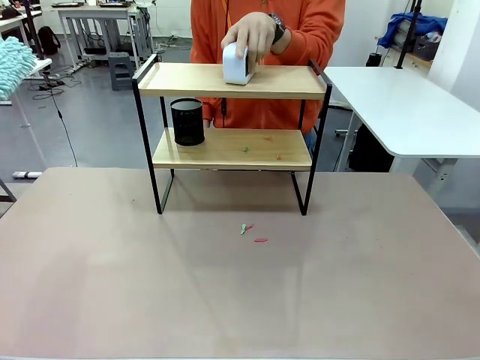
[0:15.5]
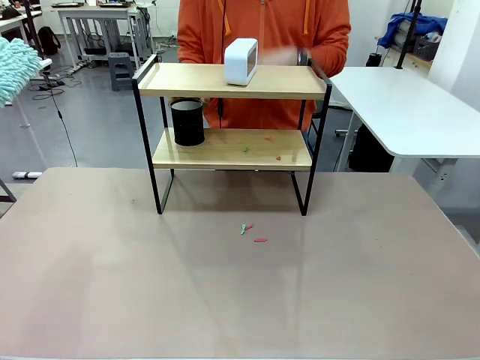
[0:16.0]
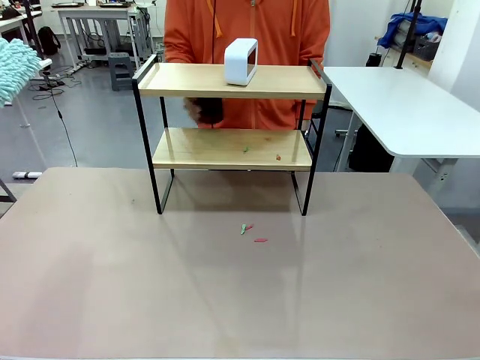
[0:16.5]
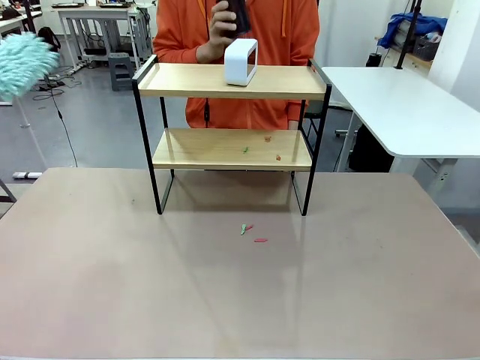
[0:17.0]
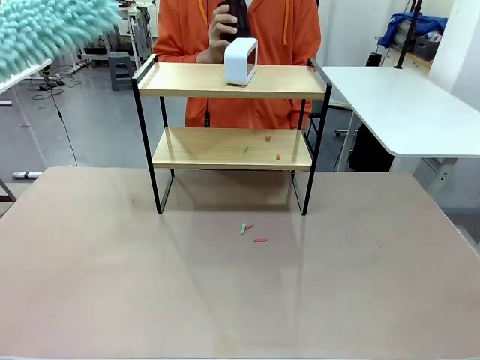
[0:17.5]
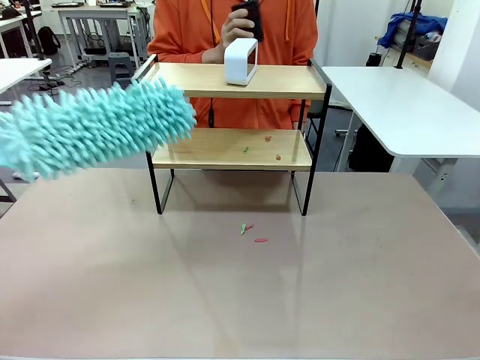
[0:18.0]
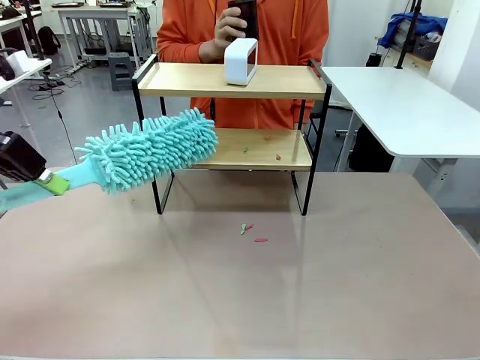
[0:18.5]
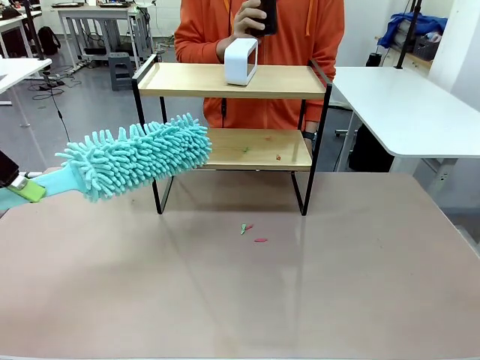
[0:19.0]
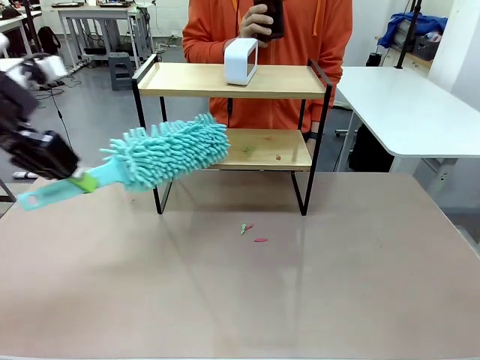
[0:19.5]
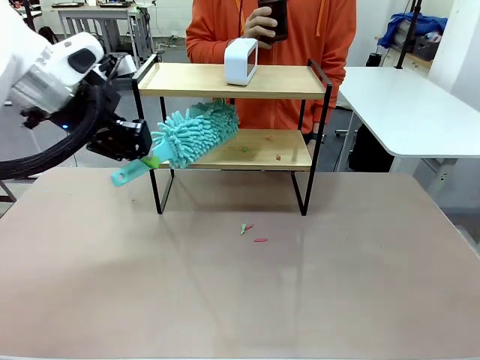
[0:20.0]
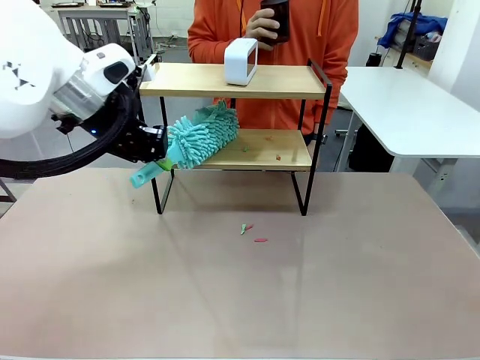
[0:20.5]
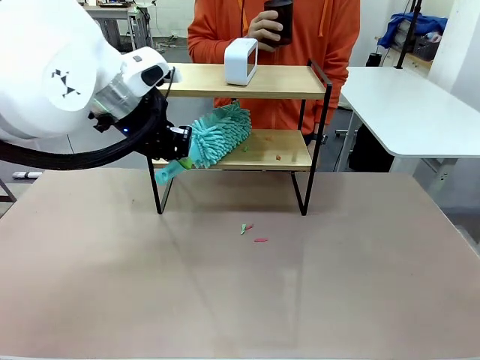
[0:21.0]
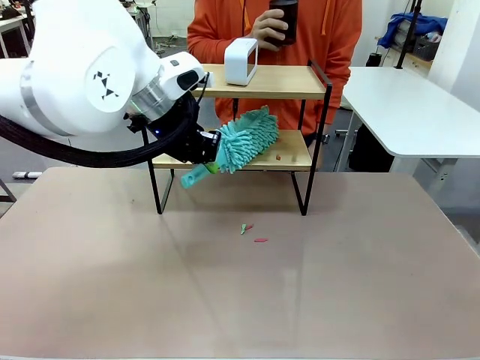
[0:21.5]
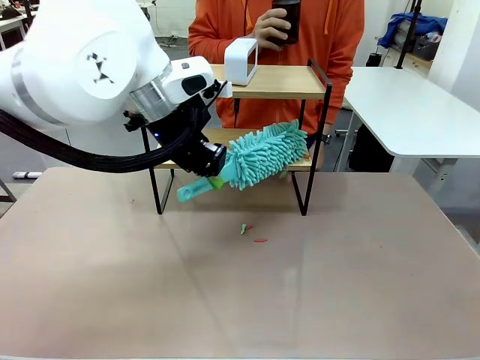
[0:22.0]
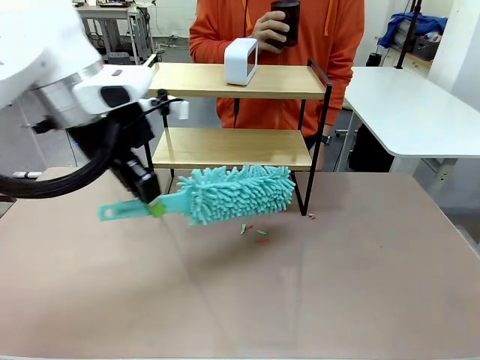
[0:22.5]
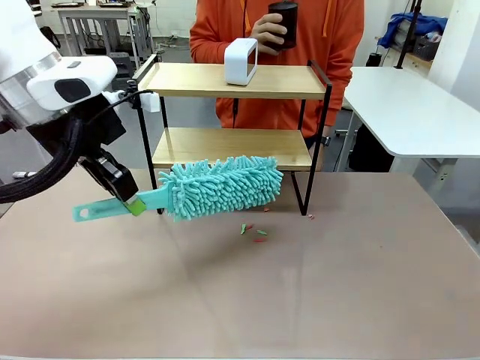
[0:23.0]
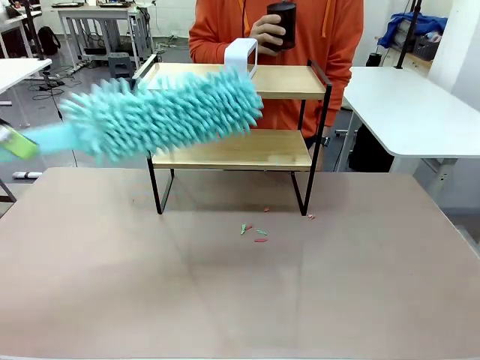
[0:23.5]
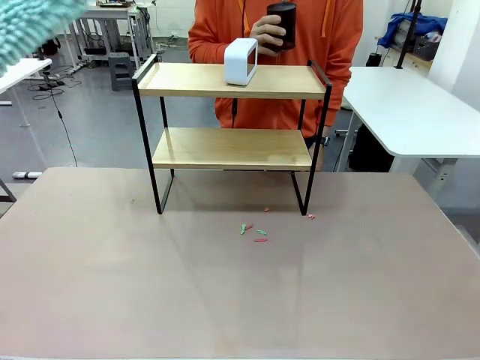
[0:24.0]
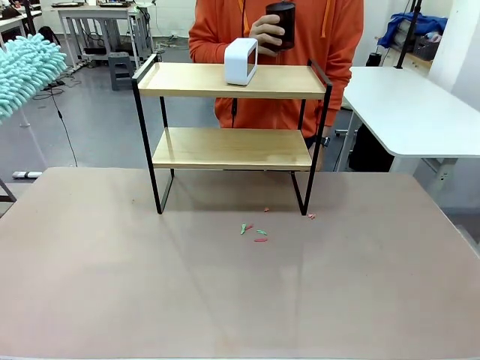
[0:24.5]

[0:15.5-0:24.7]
Task: Clean the shelf.
Robot: Clean the remaining tier of the Shelf with the Duster once objects are removed.

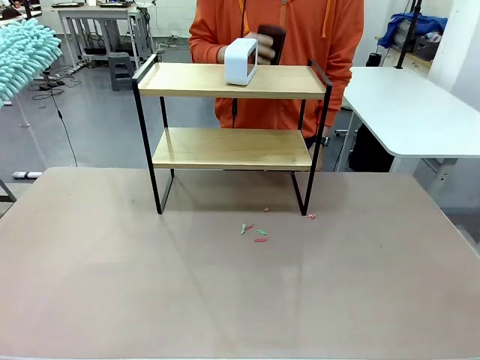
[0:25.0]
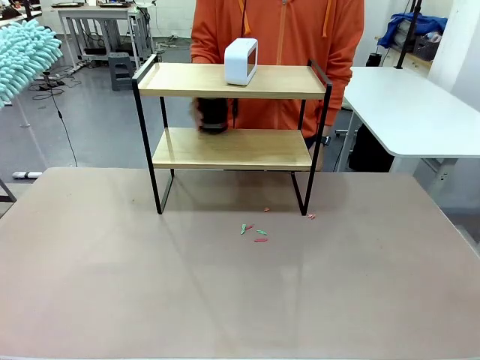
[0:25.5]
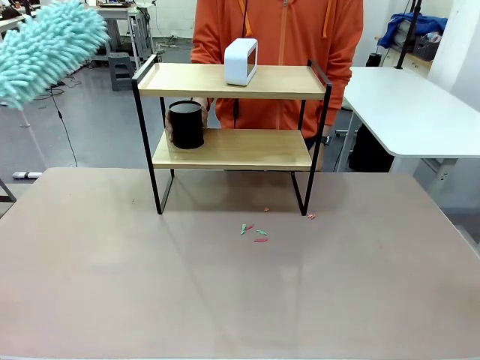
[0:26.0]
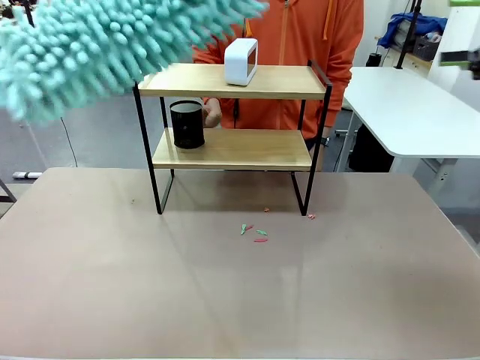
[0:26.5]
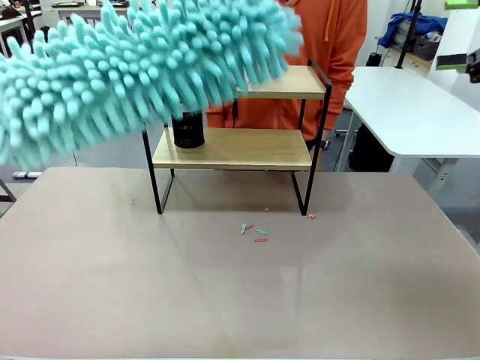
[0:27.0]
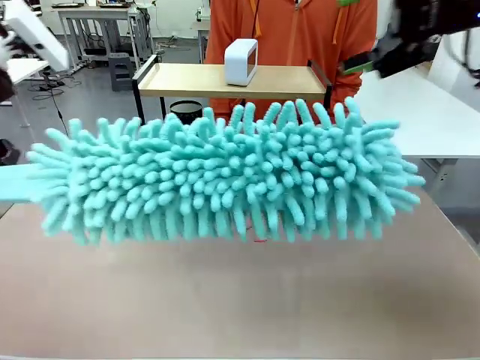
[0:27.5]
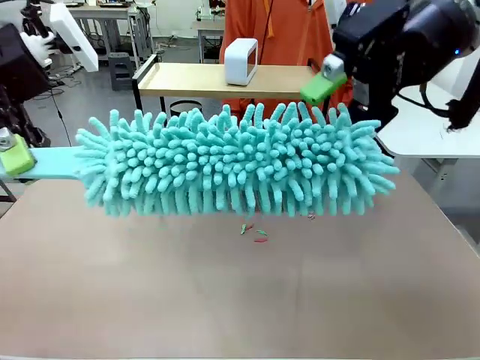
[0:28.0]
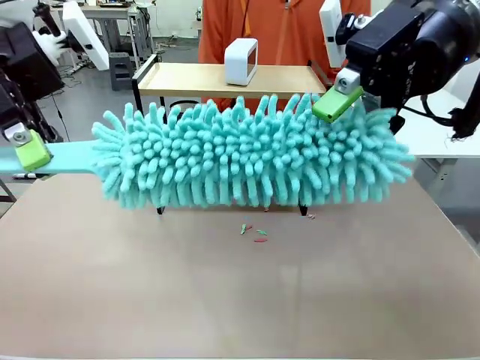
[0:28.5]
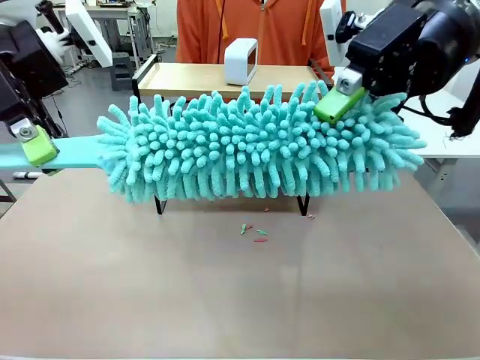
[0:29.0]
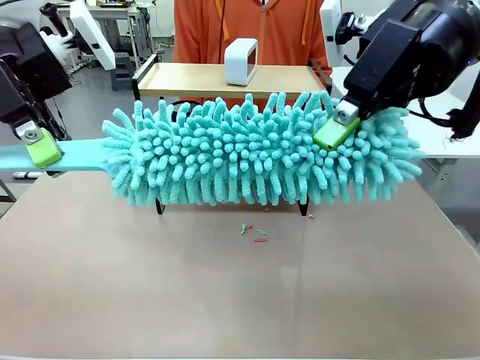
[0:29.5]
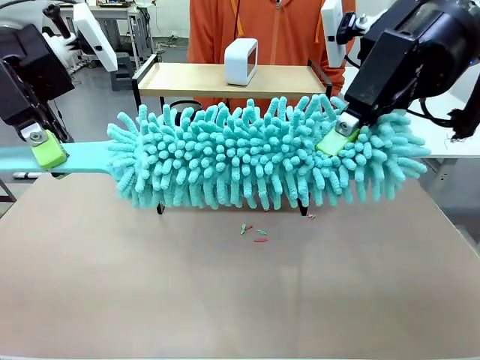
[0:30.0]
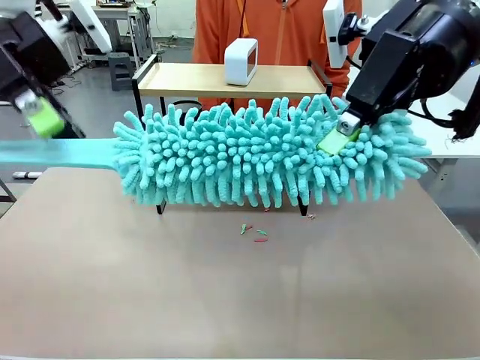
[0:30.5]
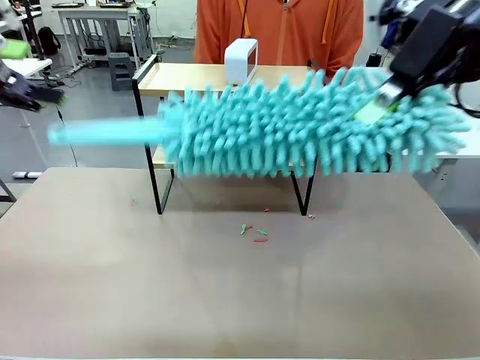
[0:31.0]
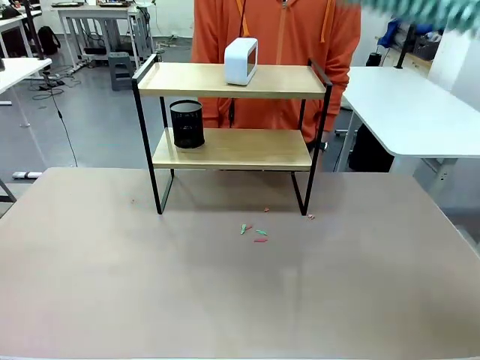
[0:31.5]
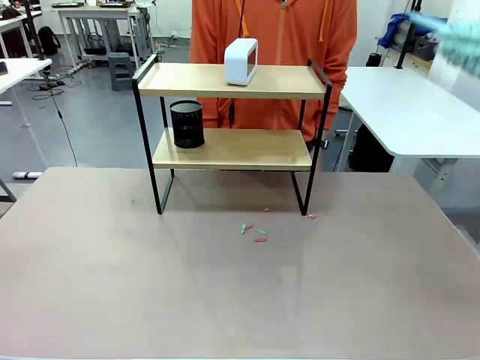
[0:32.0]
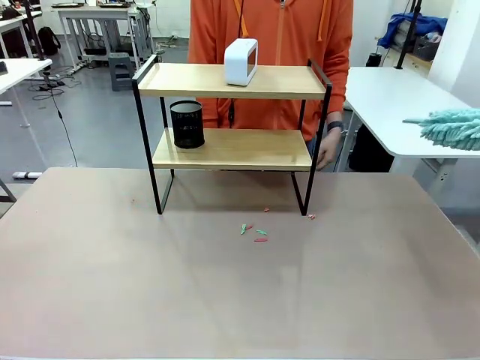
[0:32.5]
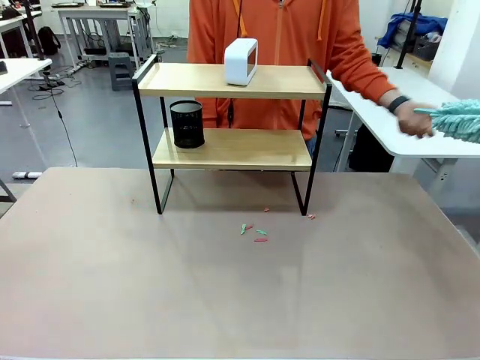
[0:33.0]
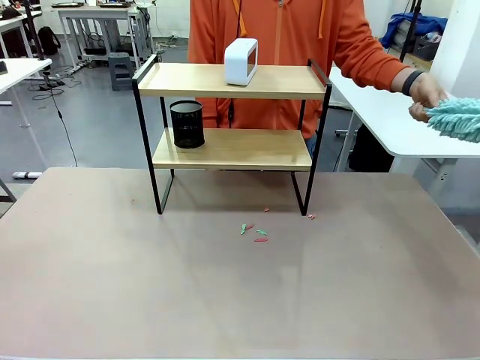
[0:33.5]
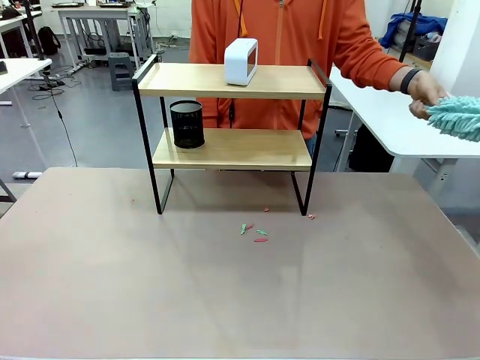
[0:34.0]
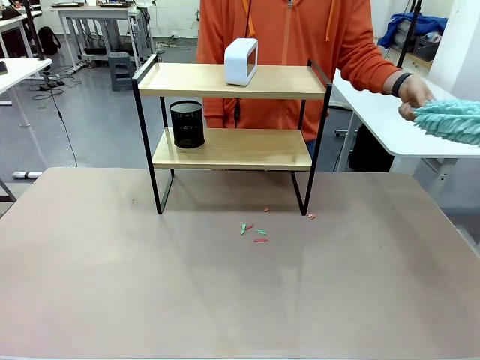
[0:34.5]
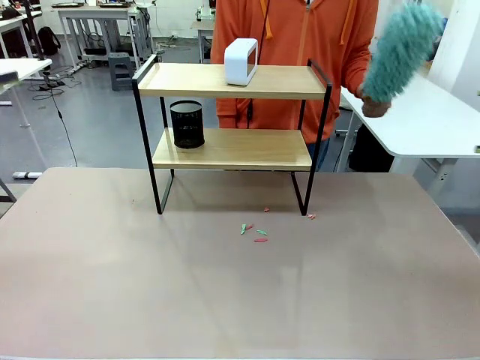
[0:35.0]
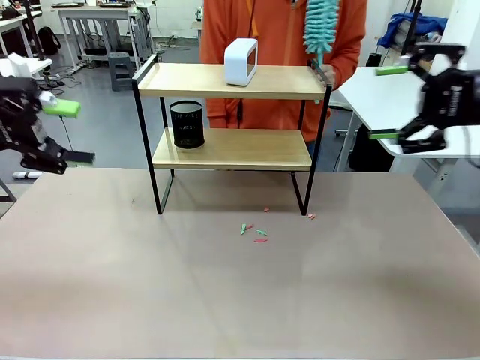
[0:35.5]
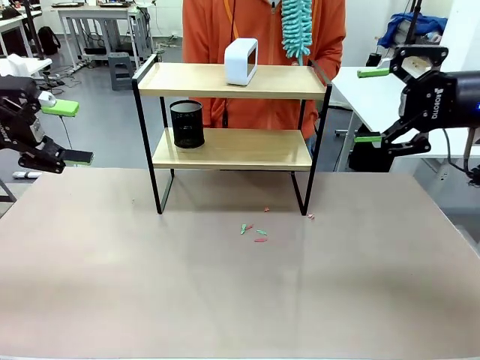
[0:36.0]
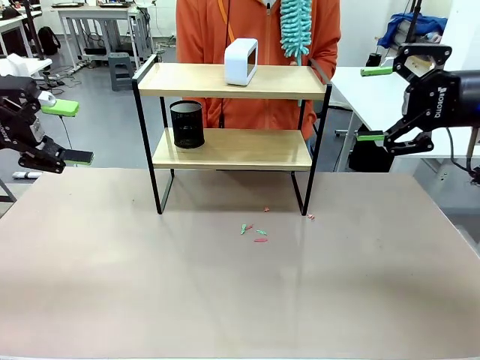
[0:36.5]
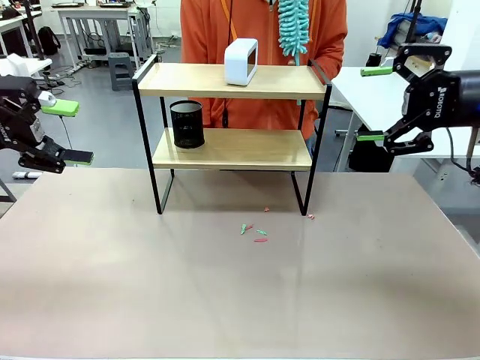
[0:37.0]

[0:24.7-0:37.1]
Robot: Hand the Duster back to the human.
Person: Receive the Duster from the robot.

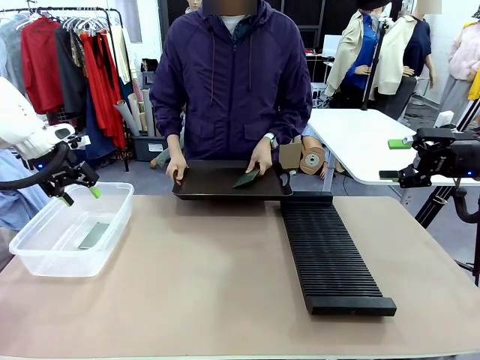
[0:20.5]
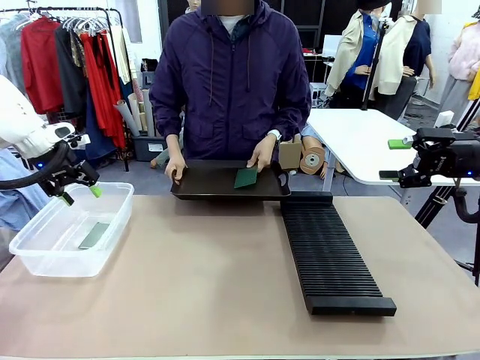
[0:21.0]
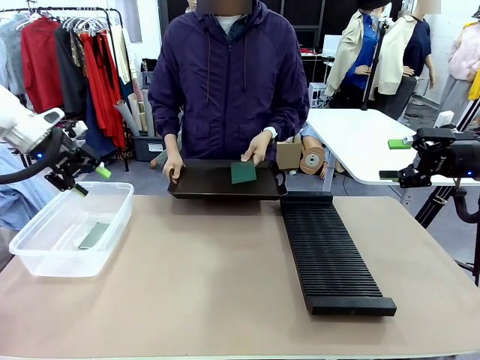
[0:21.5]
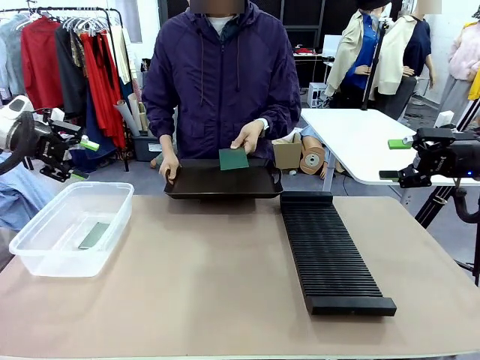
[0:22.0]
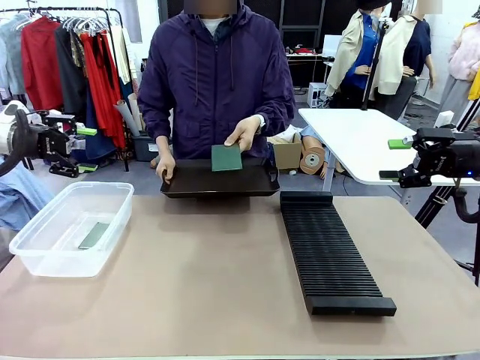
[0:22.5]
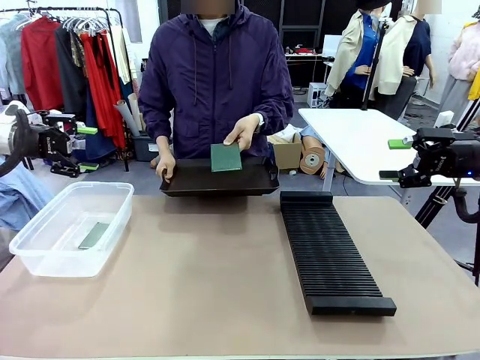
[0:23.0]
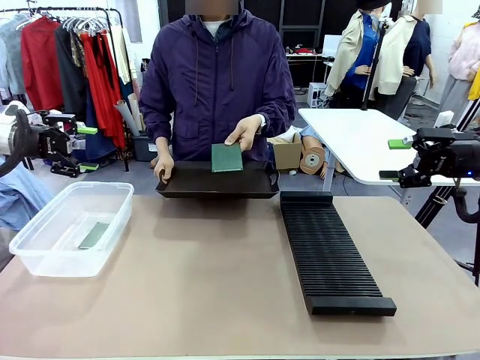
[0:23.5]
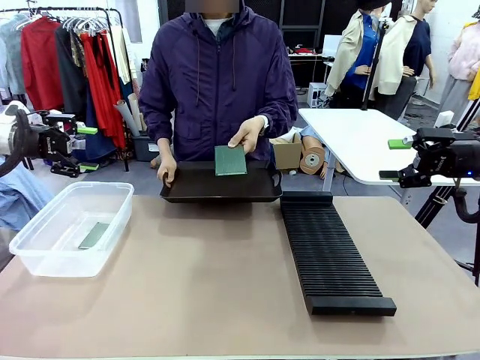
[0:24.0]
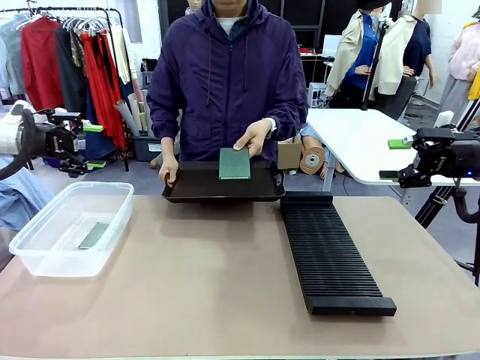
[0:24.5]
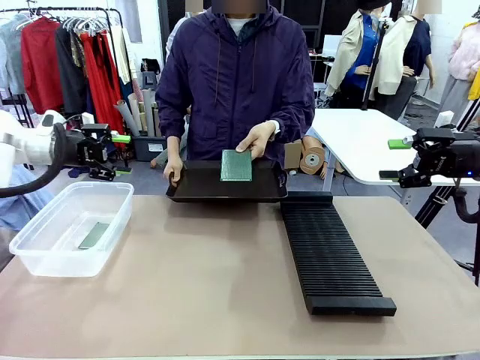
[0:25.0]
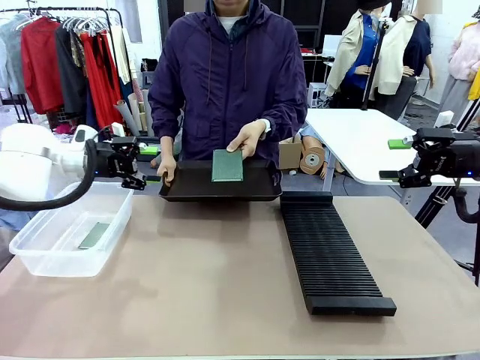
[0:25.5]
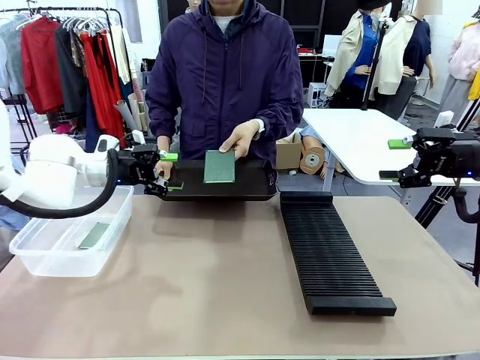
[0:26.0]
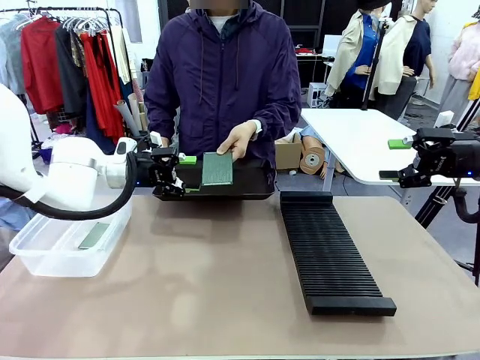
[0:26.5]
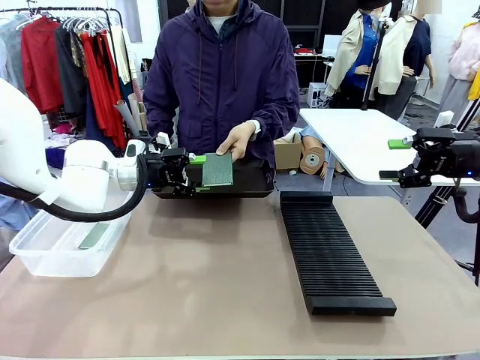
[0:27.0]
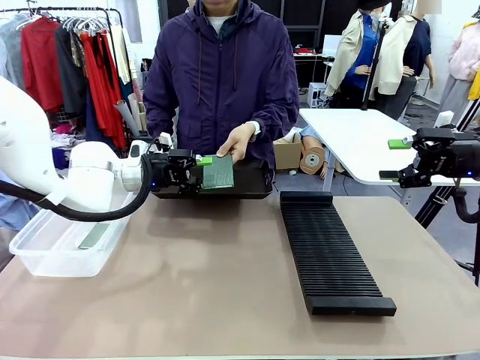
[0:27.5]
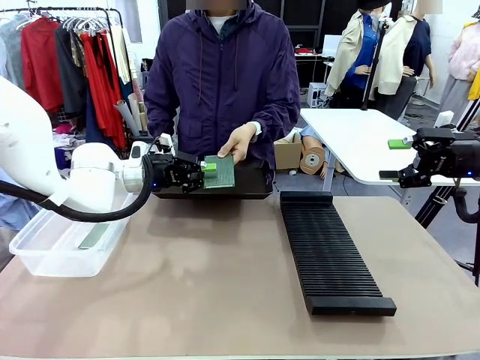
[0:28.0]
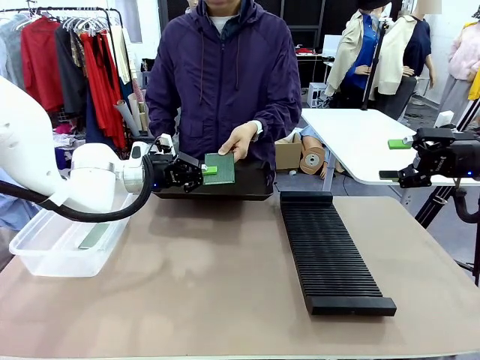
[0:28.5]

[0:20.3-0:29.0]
Task: Sort PCBs into racks and boxes based on the side picked up.
Robot: Pick up the Blank PCB handed by the Human.
